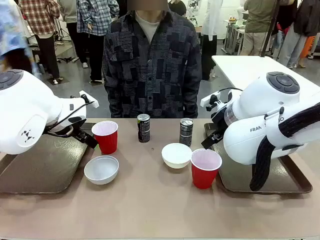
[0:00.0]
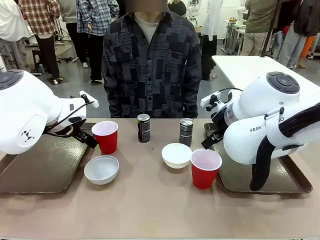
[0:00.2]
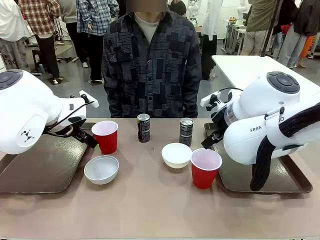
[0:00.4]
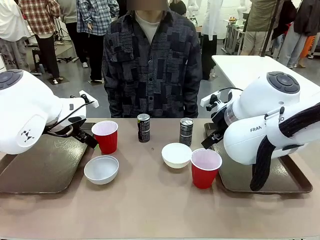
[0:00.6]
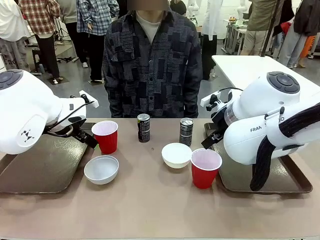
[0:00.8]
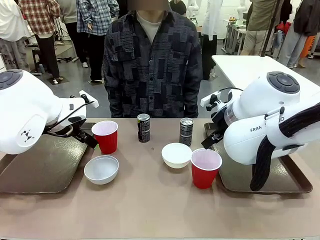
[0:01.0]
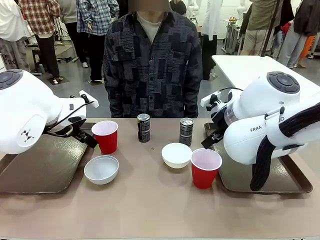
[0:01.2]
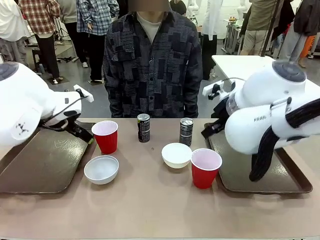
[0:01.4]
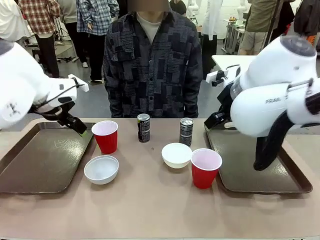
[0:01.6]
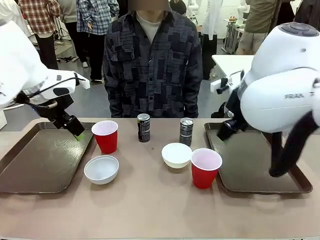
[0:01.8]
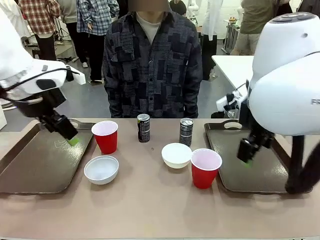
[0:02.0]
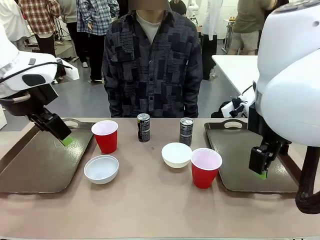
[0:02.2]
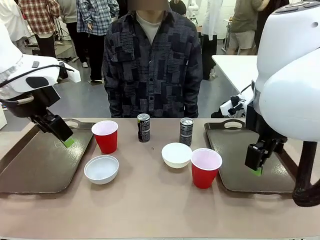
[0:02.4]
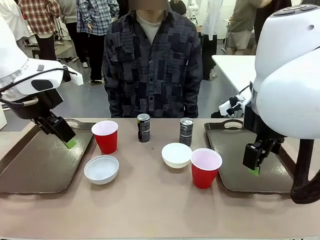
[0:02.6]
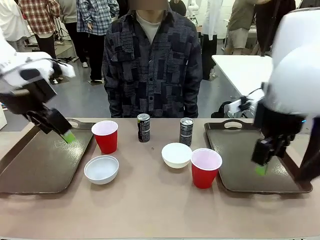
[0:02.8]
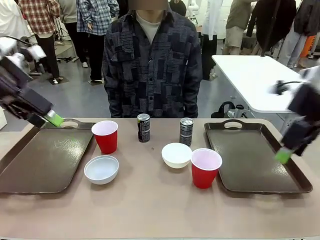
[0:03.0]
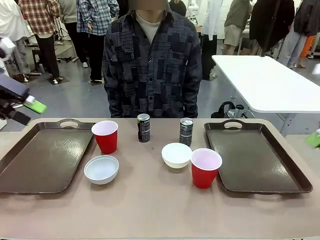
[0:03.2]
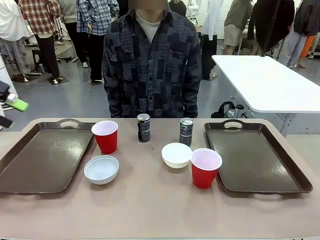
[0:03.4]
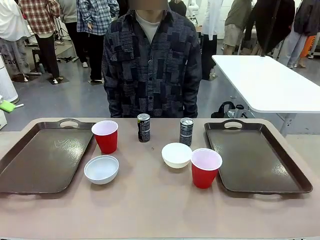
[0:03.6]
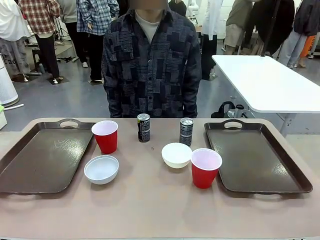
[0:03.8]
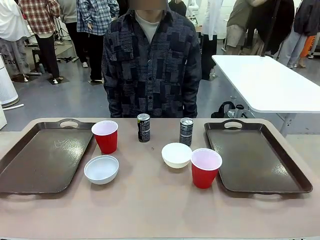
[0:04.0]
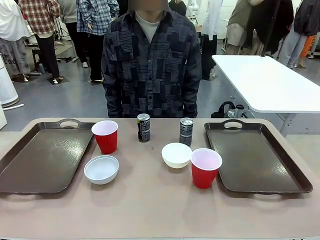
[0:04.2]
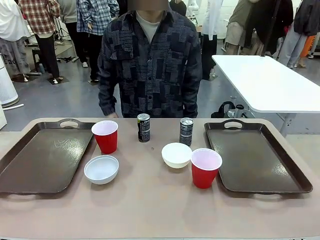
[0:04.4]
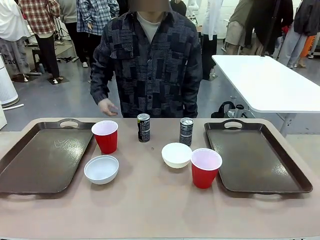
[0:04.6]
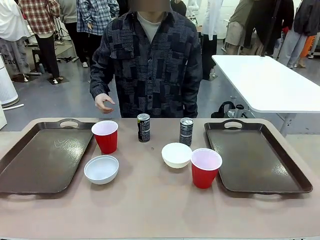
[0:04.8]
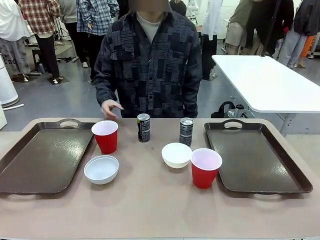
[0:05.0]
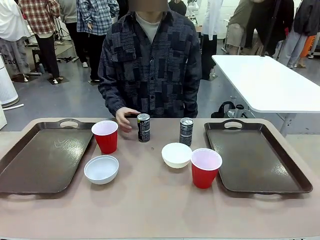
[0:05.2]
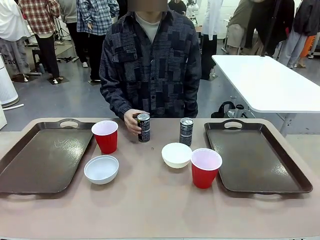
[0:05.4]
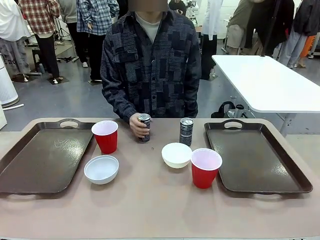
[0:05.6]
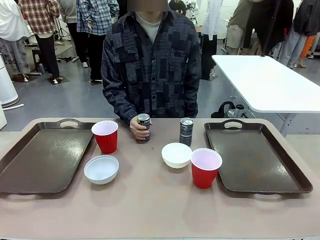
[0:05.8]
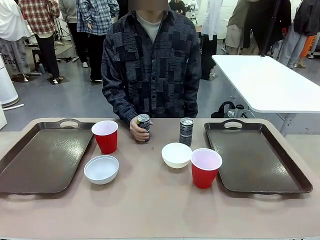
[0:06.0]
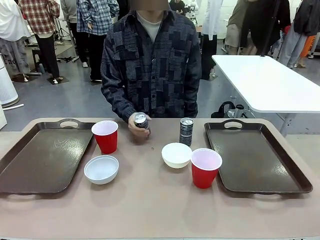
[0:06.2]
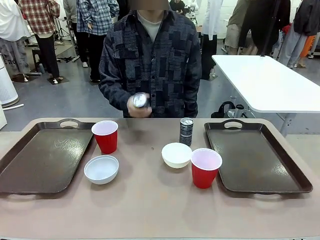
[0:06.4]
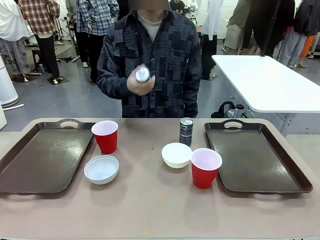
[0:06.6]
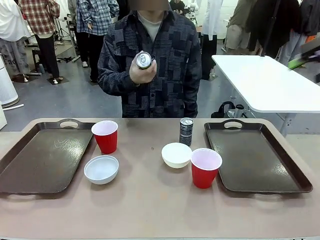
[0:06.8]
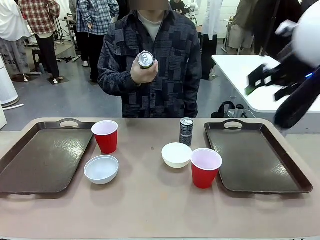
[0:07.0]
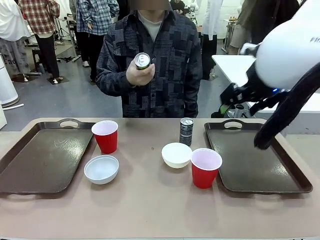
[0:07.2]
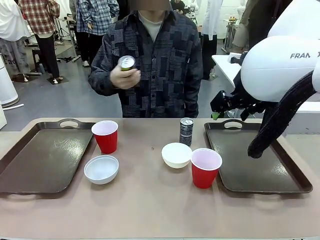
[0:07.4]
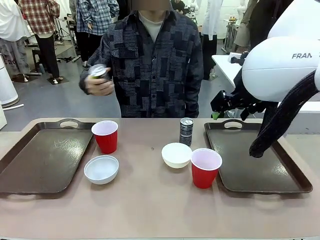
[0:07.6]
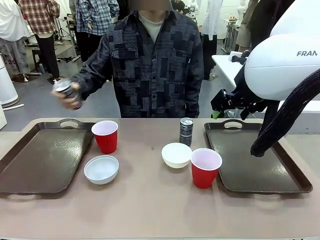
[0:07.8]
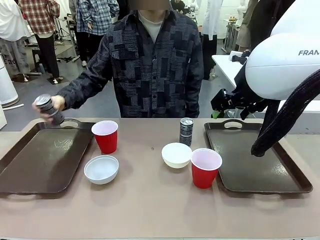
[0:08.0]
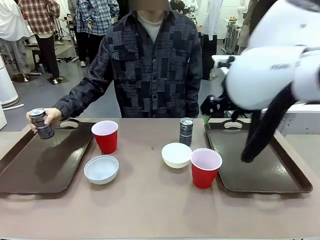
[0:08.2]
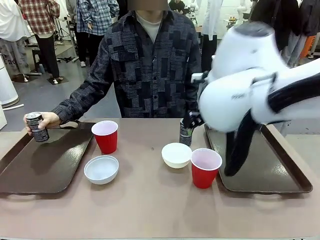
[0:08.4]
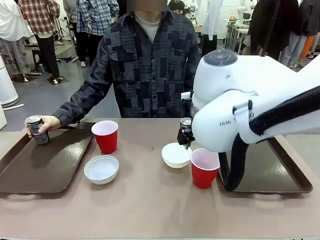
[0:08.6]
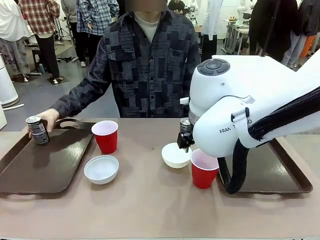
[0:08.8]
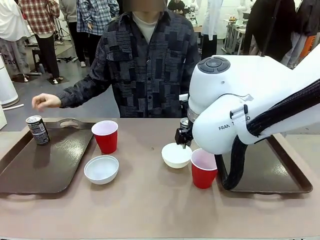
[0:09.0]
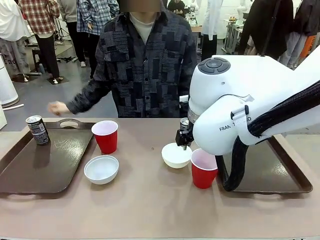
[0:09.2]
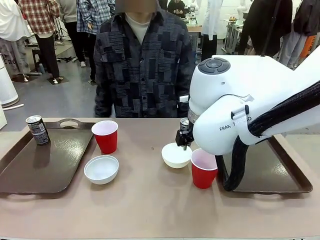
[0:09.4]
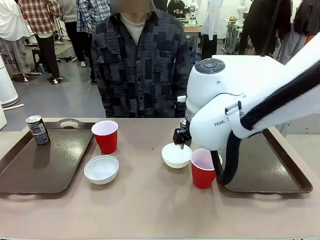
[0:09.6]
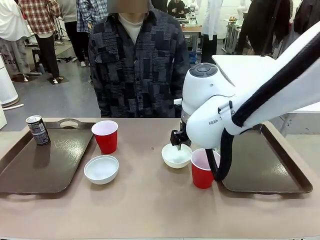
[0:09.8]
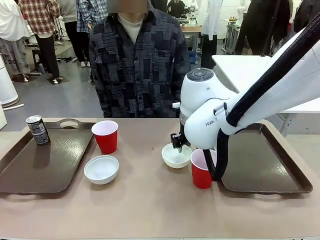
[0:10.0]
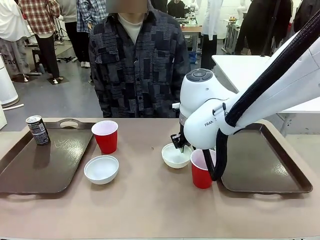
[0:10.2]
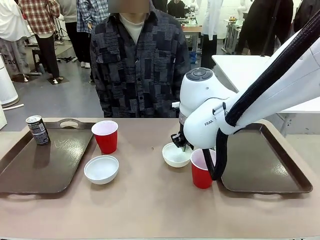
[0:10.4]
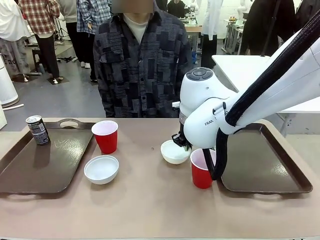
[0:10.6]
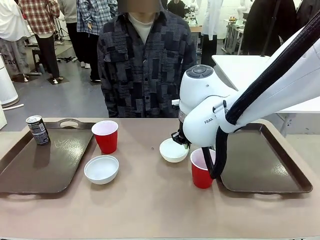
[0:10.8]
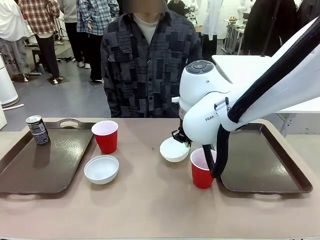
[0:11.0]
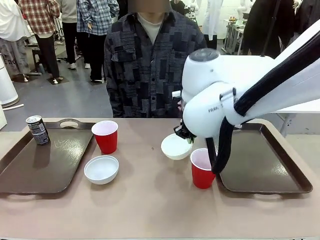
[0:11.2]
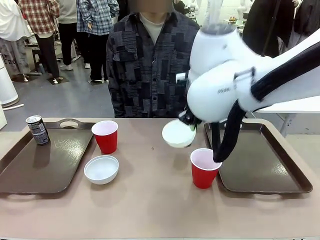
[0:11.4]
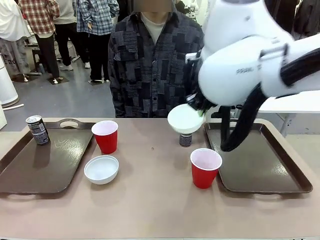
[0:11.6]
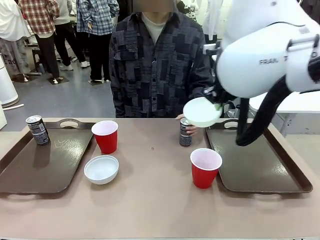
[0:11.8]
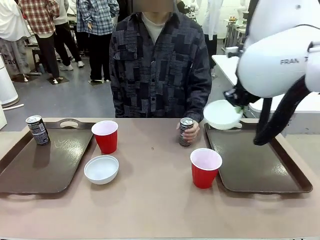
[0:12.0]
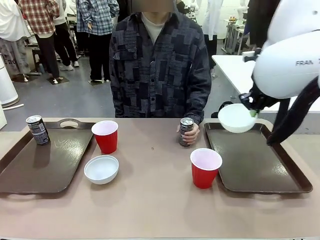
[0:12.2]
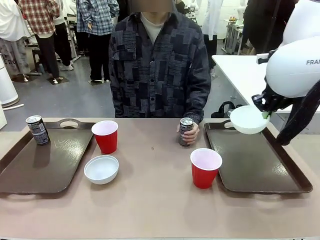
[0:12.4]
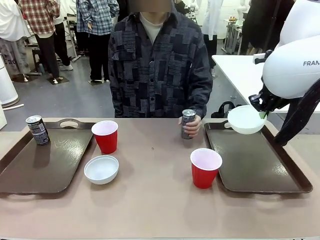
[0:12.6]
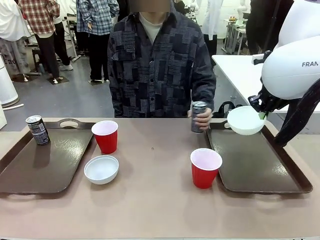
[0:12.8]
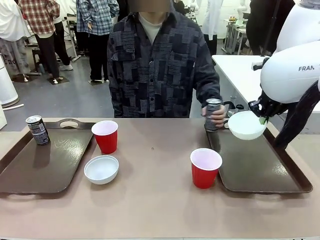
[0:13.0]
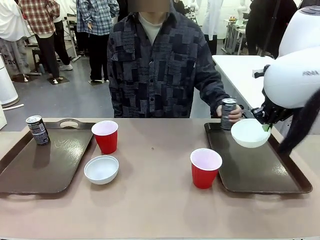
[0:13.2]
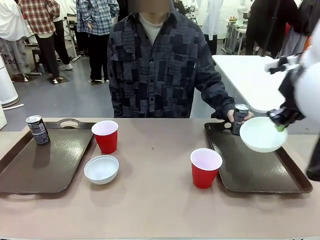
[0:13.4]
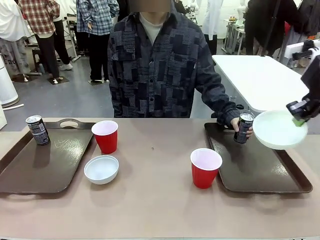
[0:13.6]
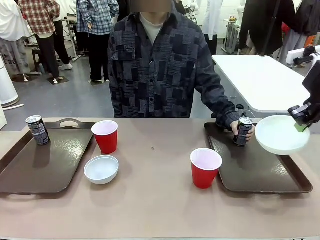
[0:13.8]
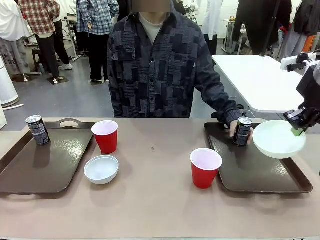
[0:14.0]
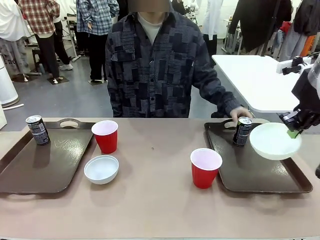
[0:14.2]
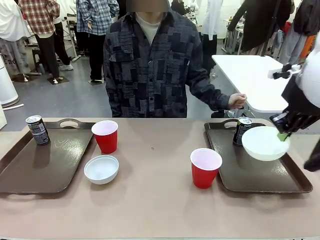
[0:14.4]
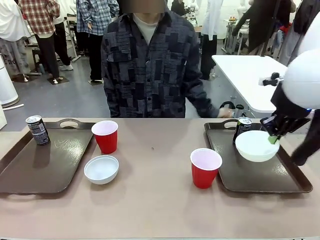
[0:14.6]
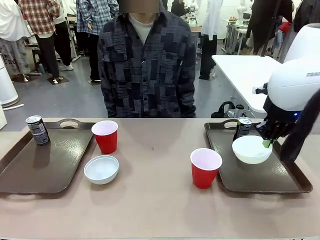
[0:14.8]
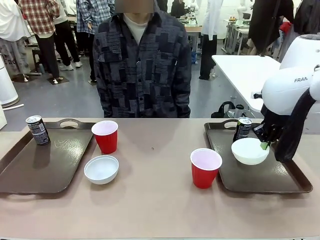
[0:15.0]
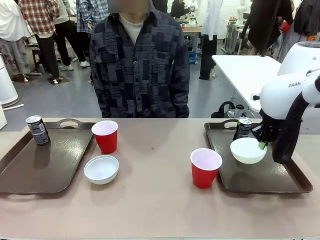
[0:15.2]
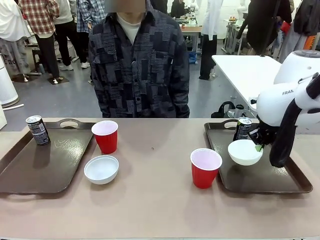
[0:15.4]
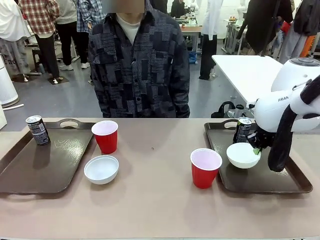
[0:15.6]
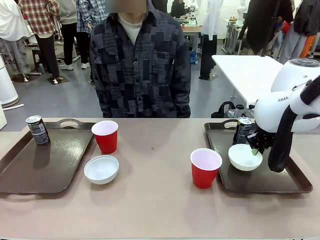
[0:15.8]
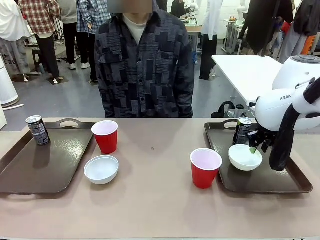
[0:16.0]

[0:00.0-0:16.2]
Task: Prepare tableware on both trays.
Robot: Pick up a Picnic Bowl from the table and place it on a Handle tray.
Person: Pick up a can or cup and place it on the tray.
